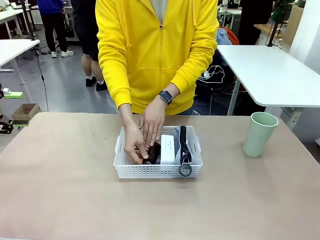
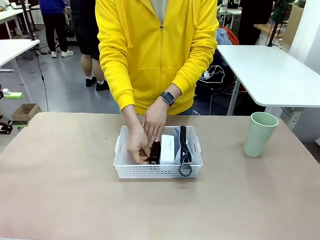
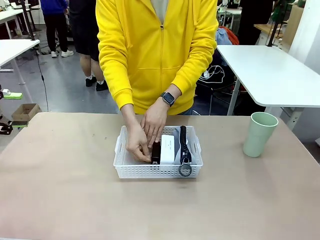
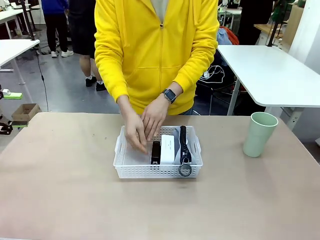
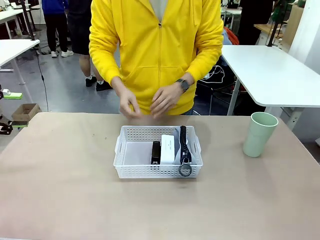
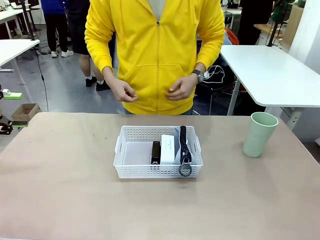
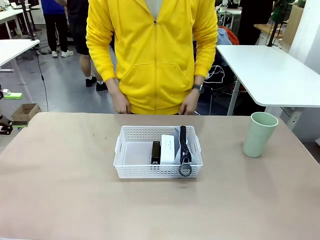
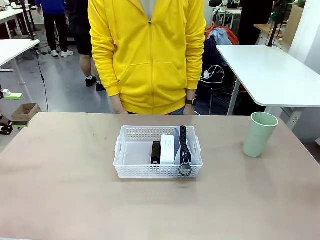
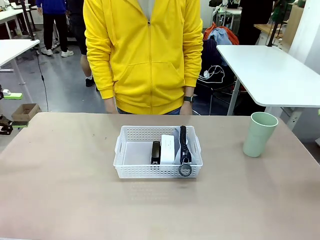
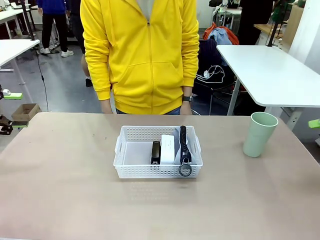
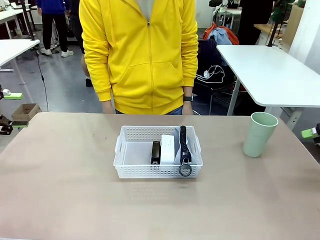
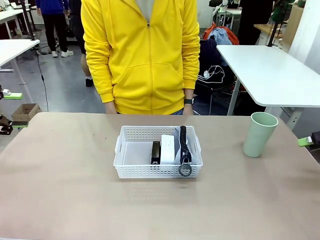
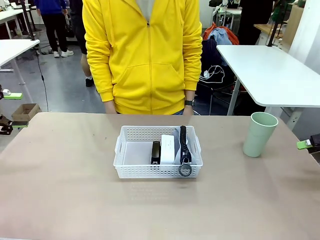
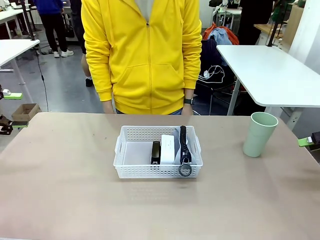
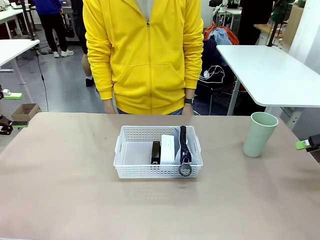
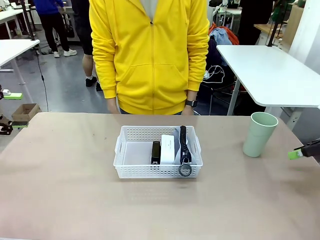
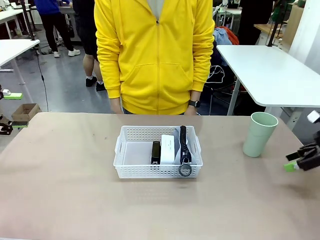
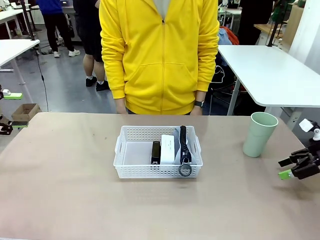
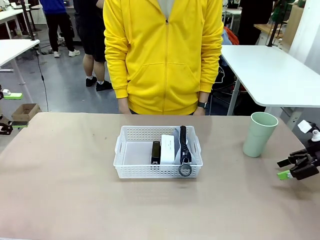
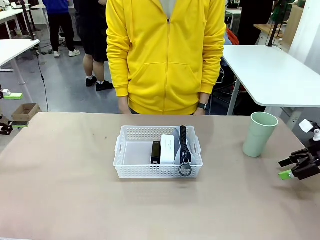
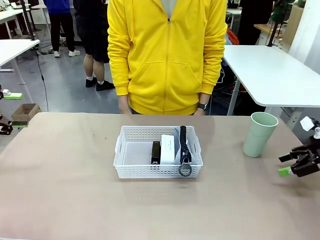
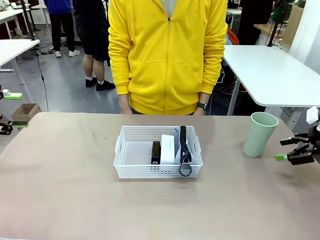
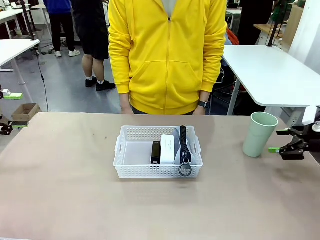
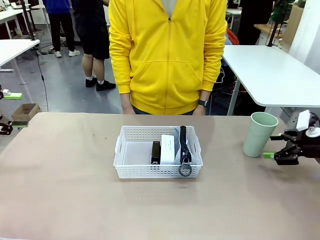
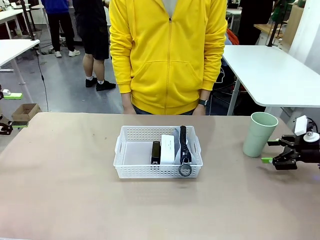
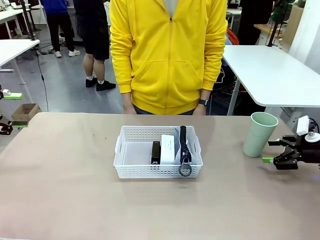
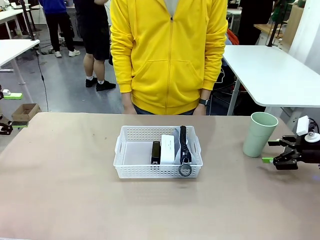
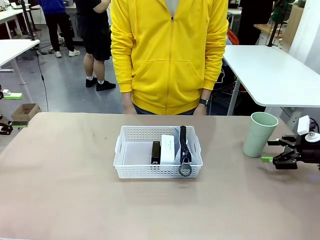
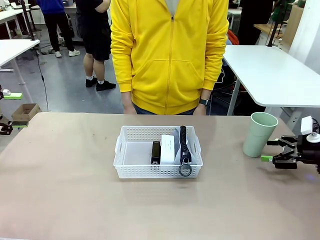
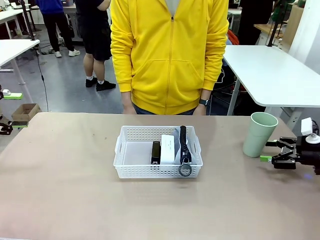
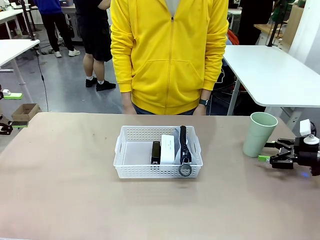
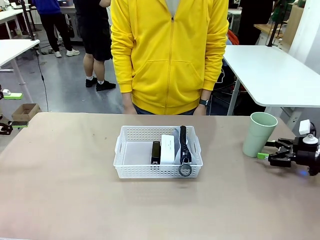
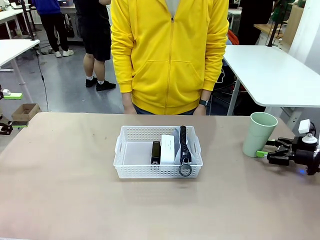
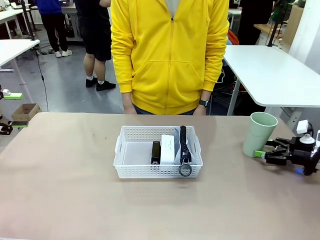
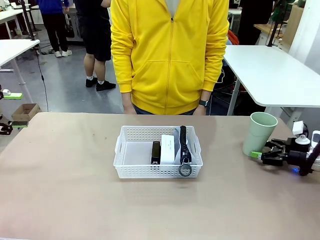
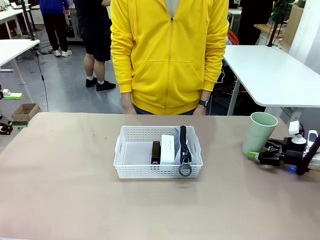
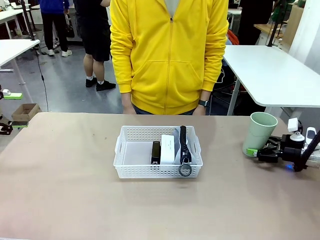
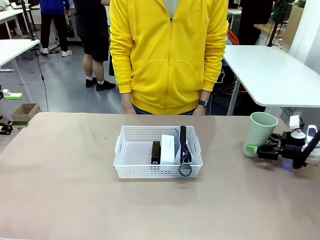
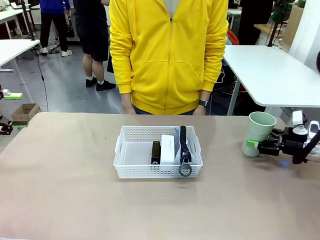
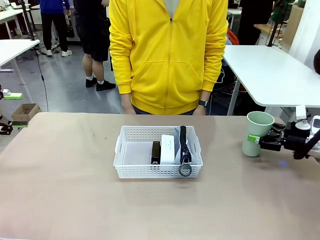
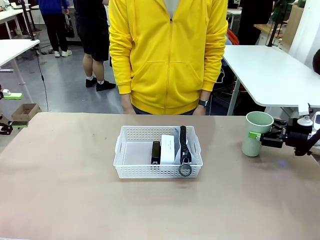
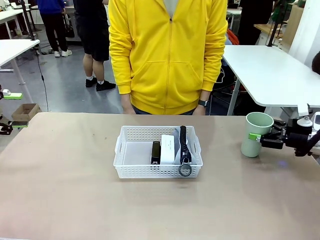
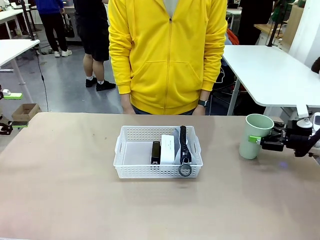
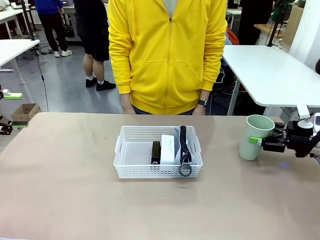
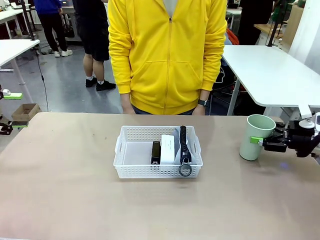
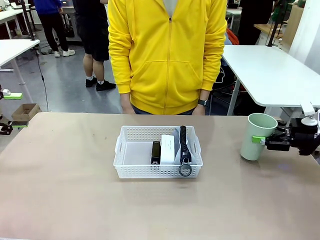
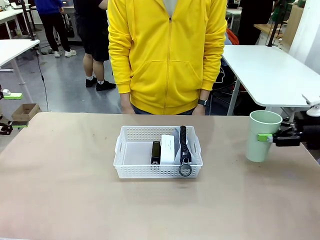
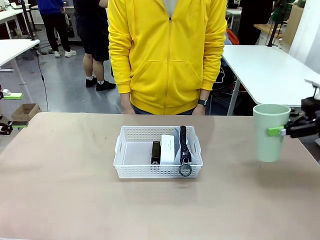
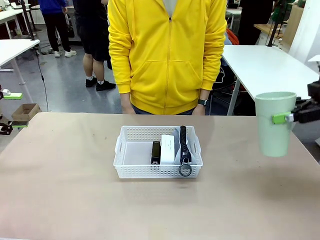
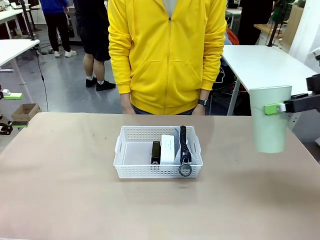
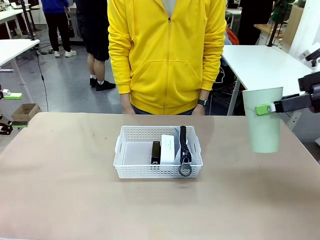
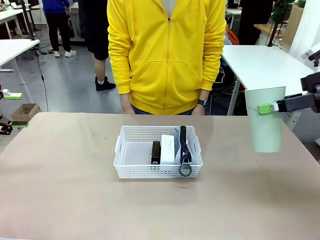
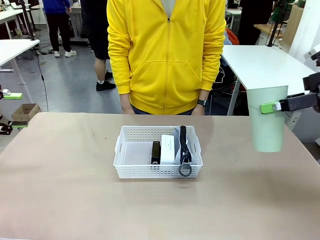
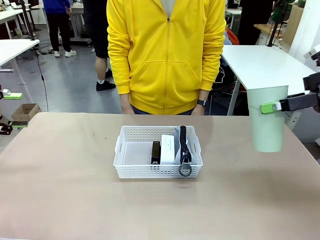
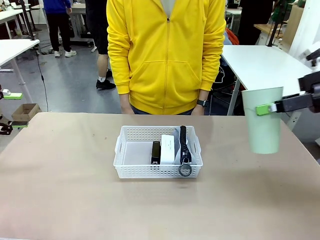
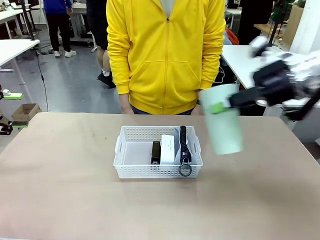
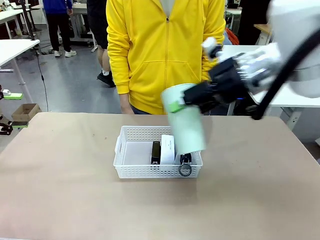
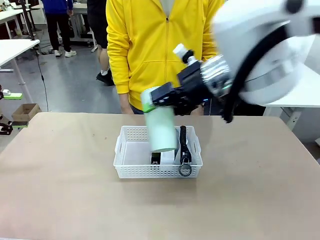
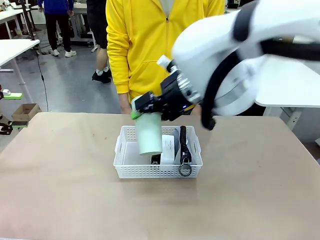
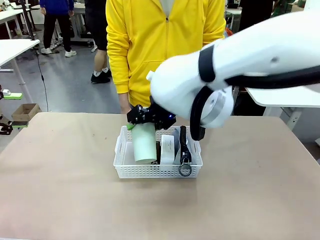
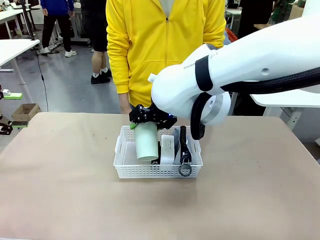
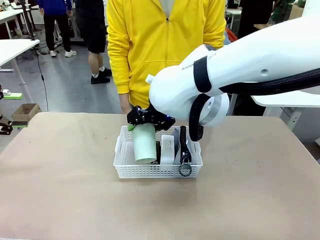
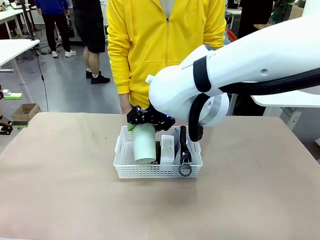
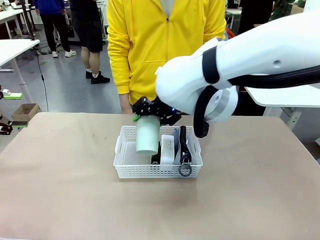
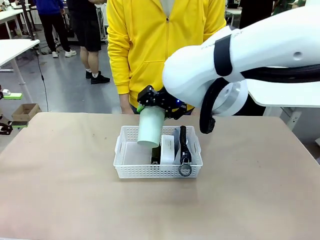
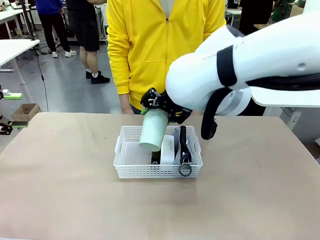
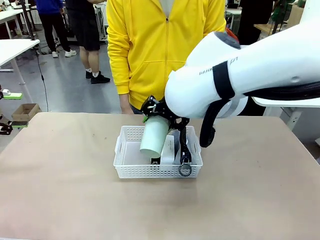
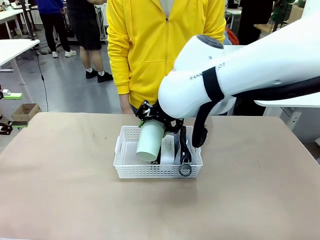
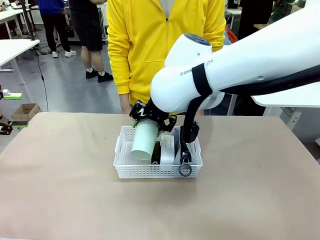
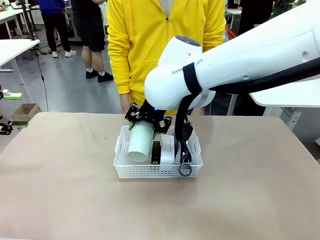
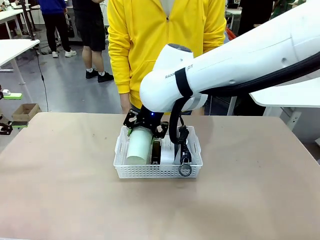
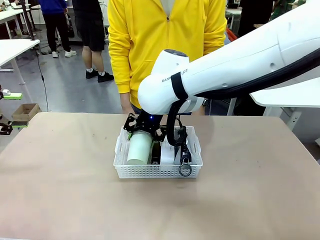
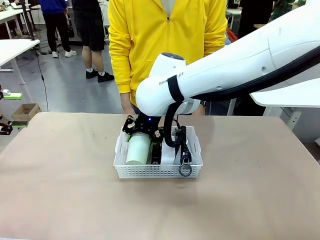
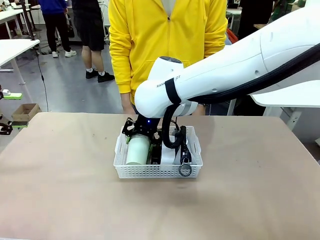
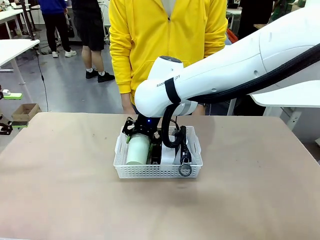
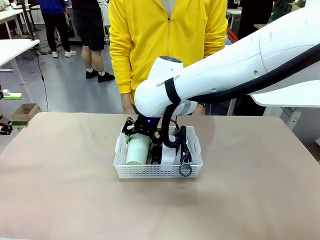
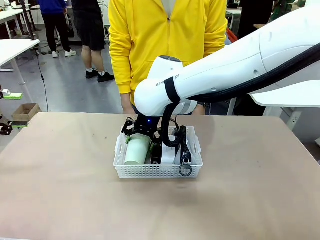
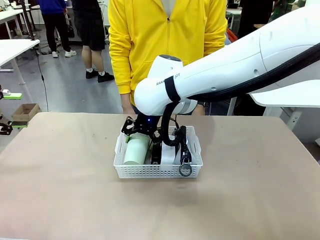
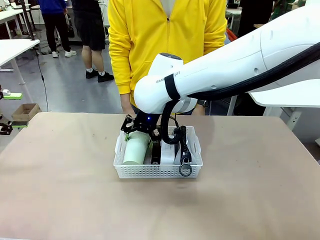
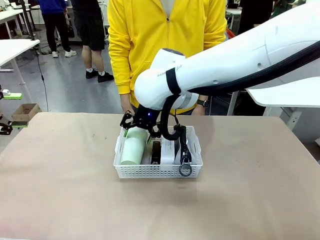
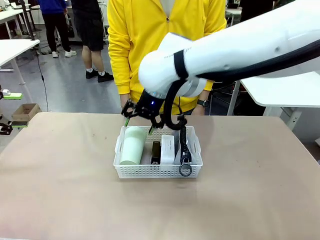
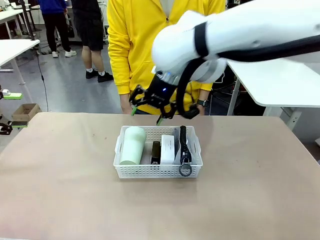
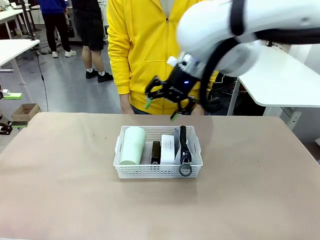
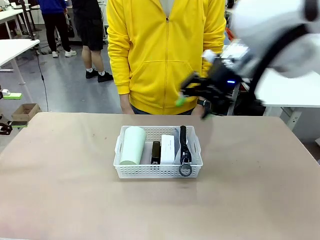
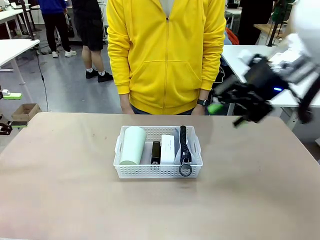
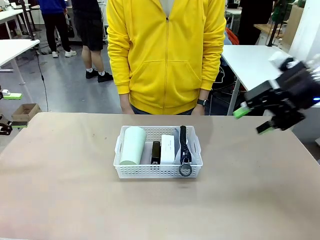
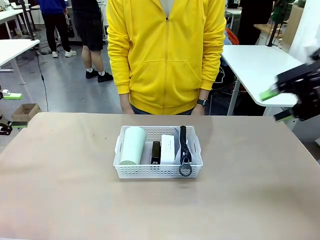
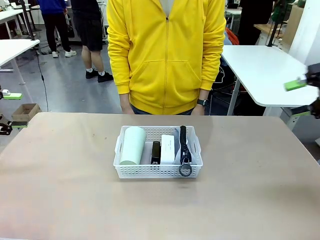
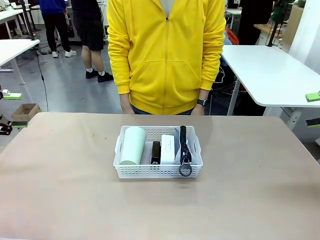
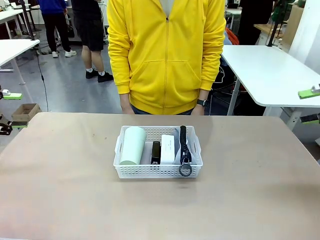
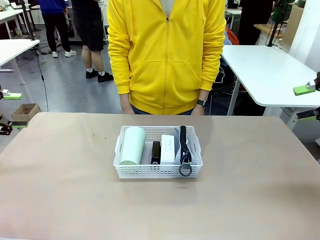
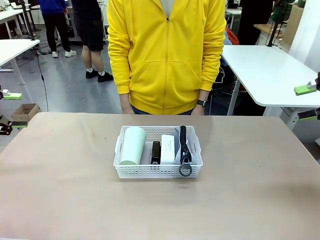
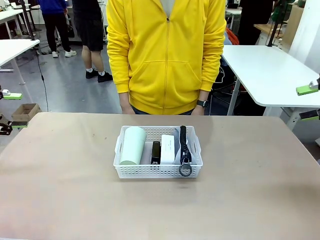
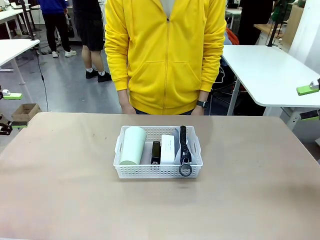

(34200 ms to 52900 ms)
Task: Efficiently arrange items inside the basket to fit them all.
Robot: Pick up the Reusable plastic cup and place it inside the Organizing basket.
Person: Repositions the stapler.
